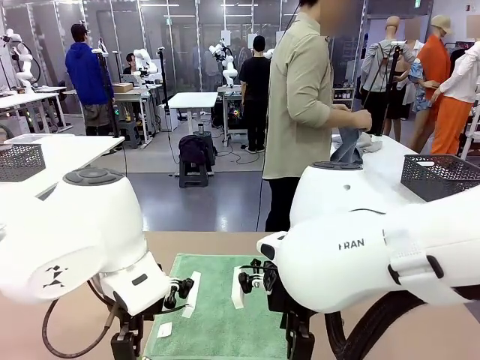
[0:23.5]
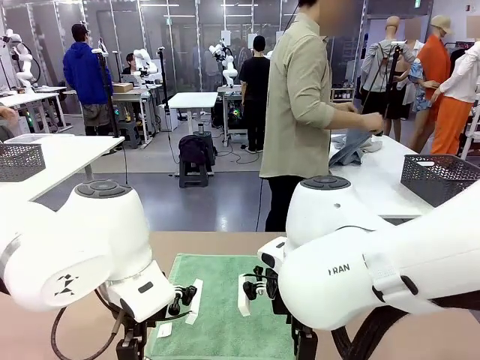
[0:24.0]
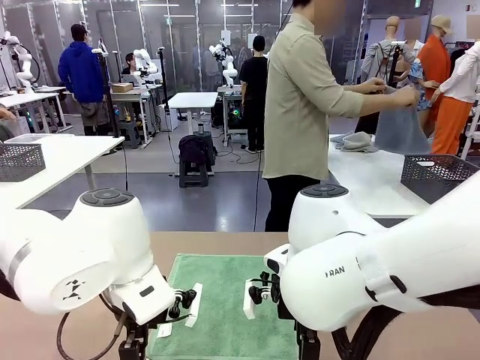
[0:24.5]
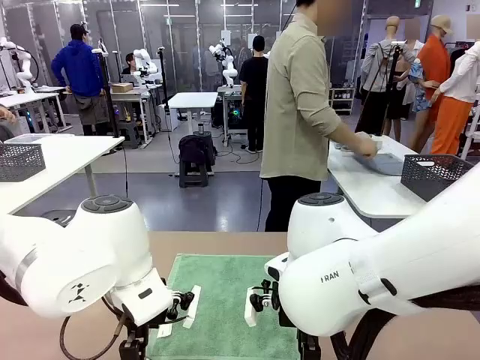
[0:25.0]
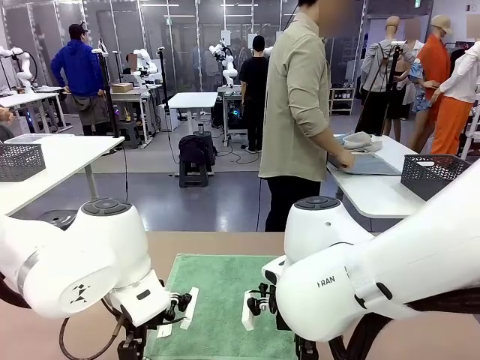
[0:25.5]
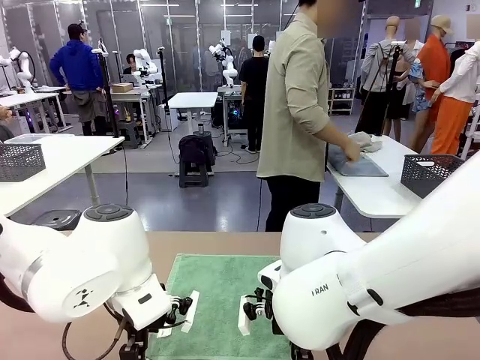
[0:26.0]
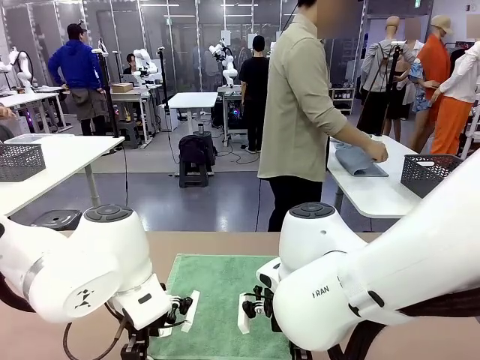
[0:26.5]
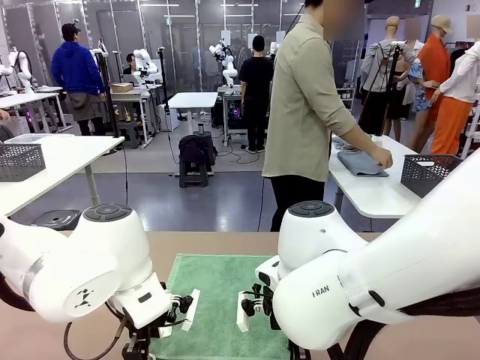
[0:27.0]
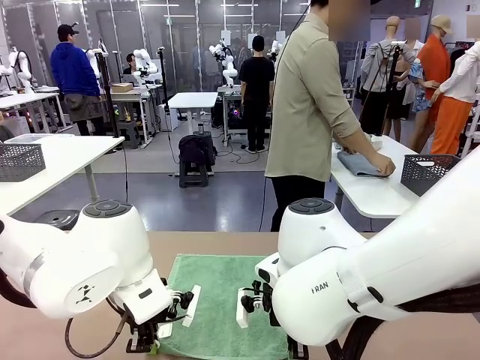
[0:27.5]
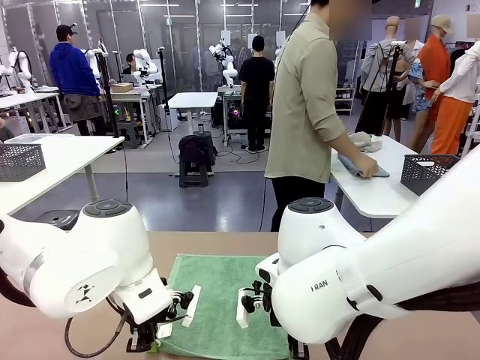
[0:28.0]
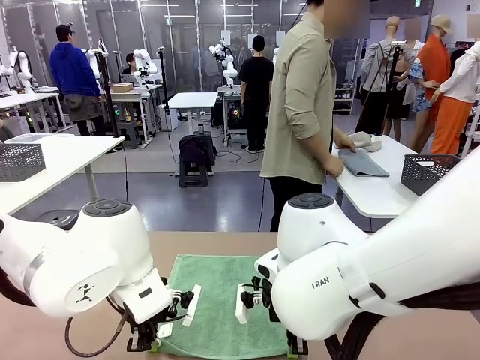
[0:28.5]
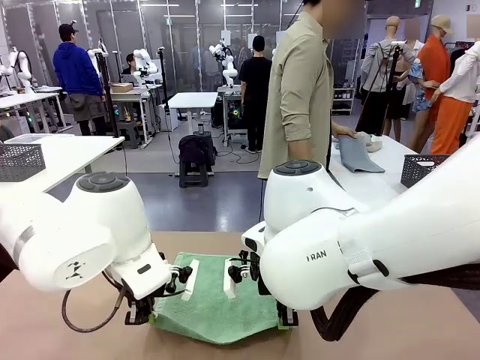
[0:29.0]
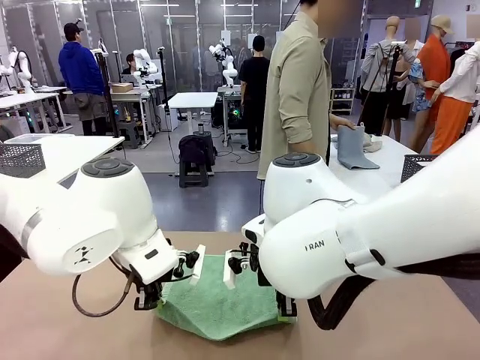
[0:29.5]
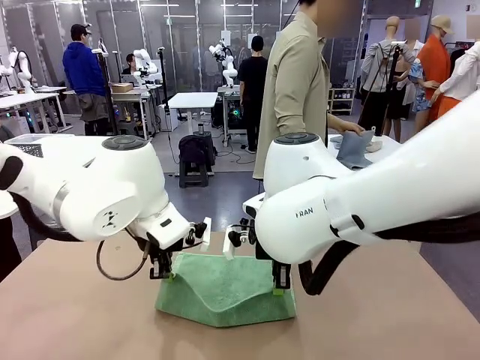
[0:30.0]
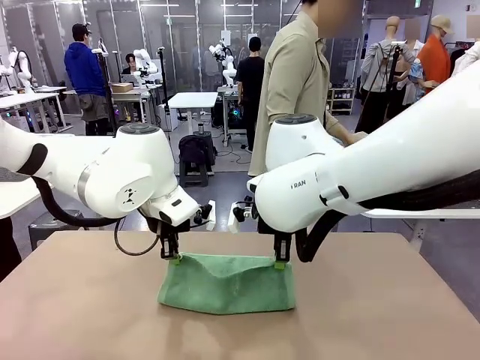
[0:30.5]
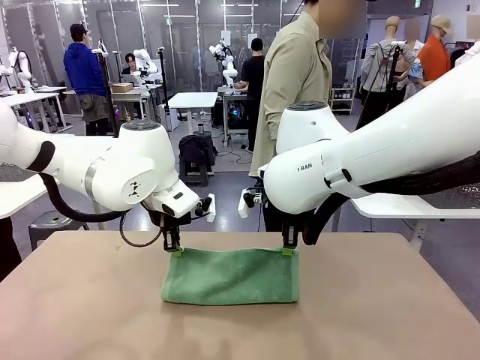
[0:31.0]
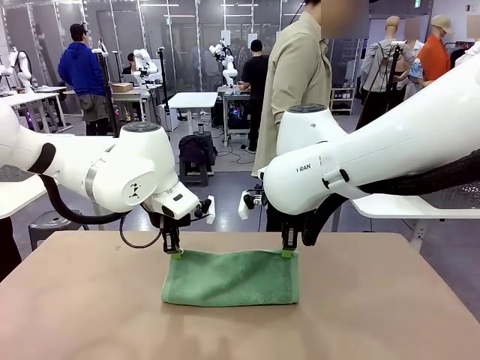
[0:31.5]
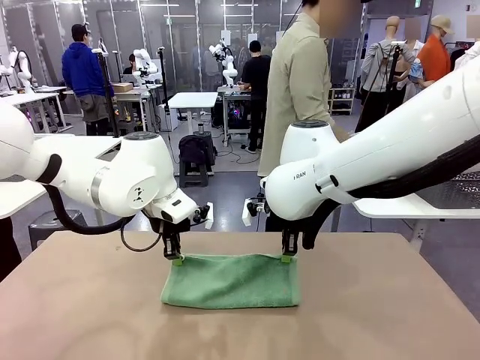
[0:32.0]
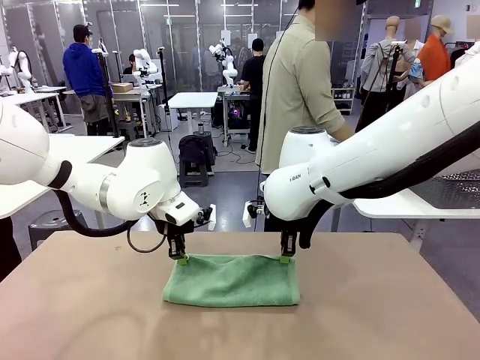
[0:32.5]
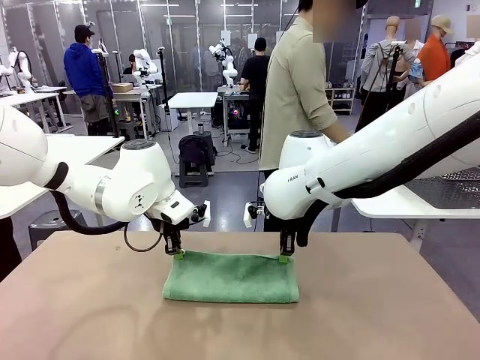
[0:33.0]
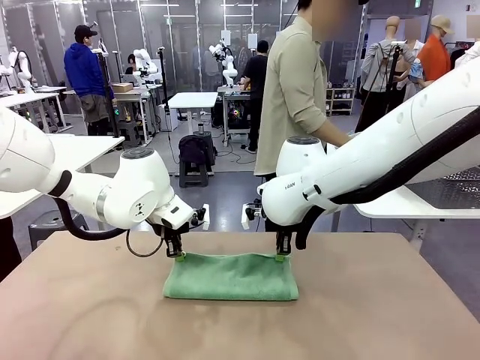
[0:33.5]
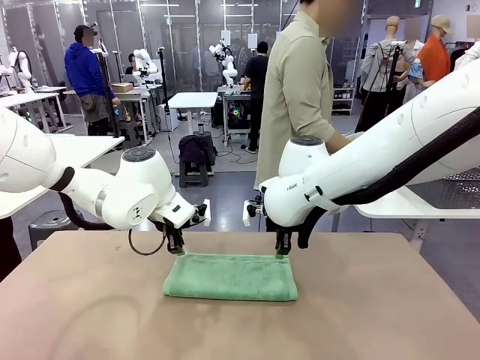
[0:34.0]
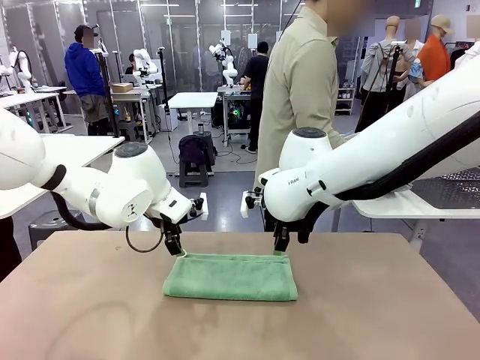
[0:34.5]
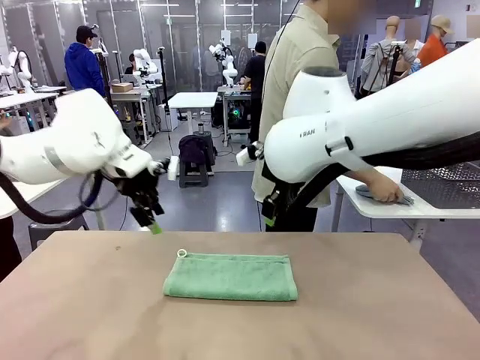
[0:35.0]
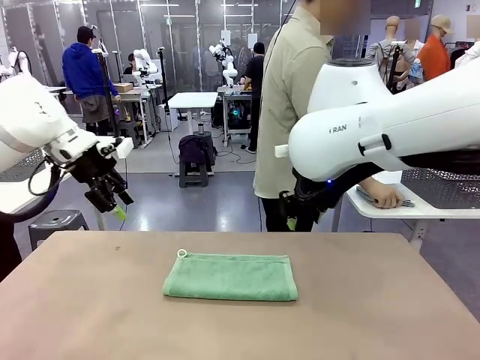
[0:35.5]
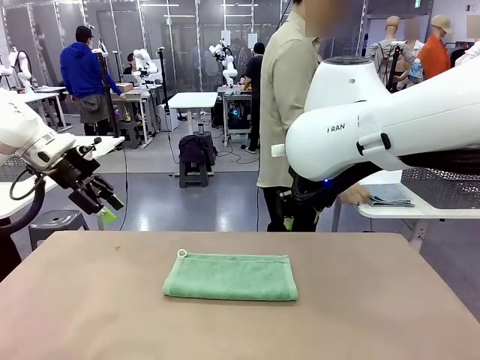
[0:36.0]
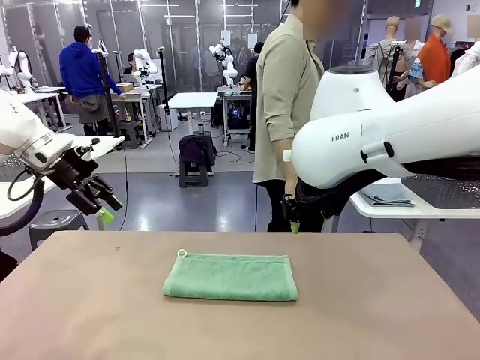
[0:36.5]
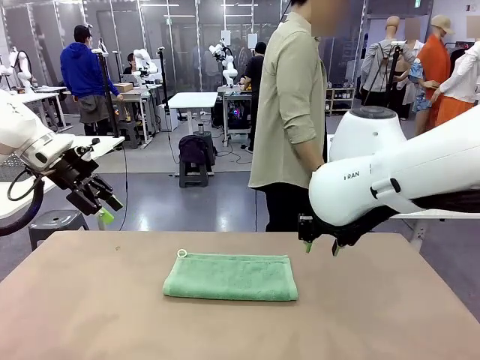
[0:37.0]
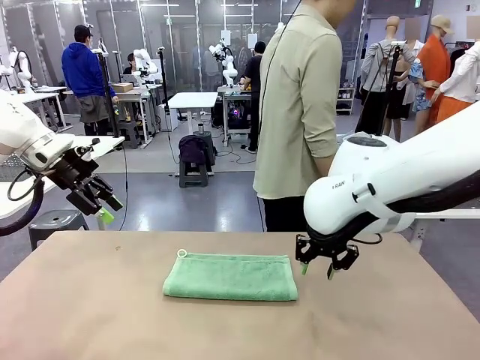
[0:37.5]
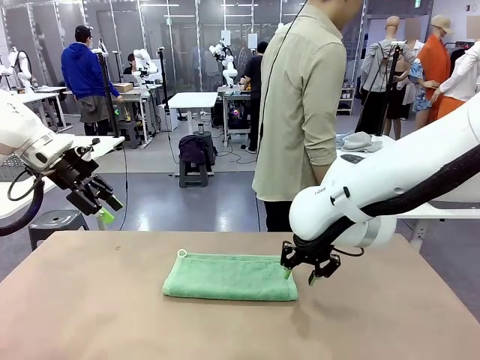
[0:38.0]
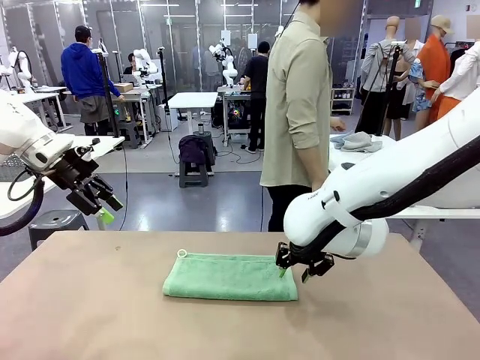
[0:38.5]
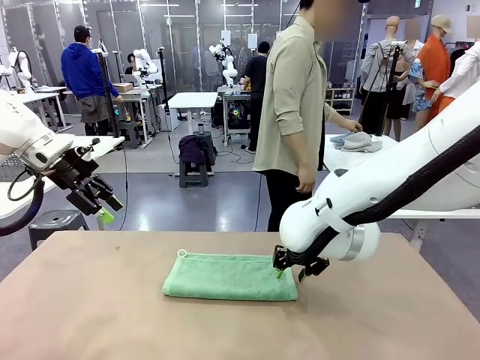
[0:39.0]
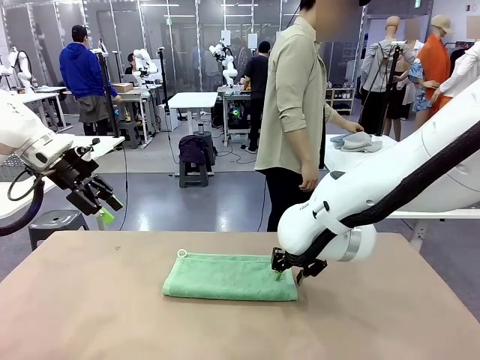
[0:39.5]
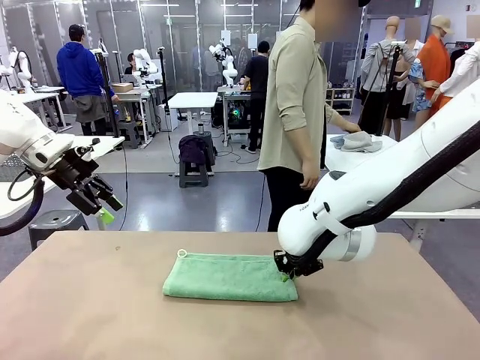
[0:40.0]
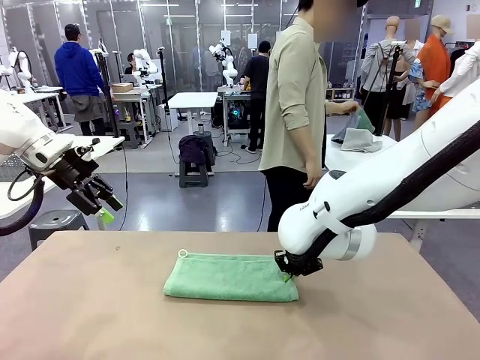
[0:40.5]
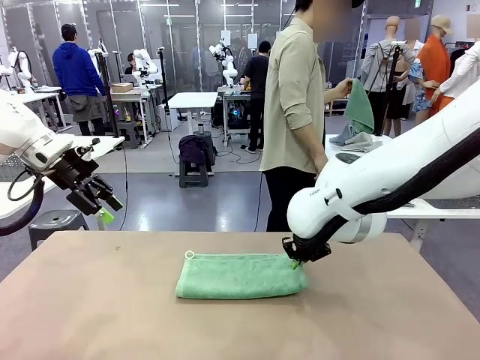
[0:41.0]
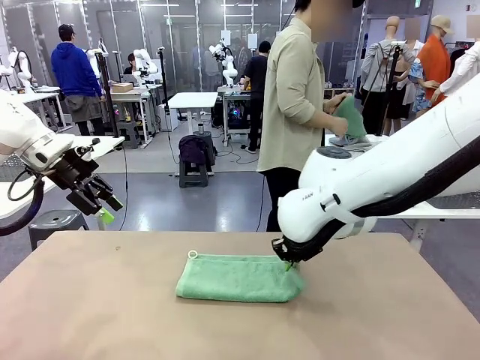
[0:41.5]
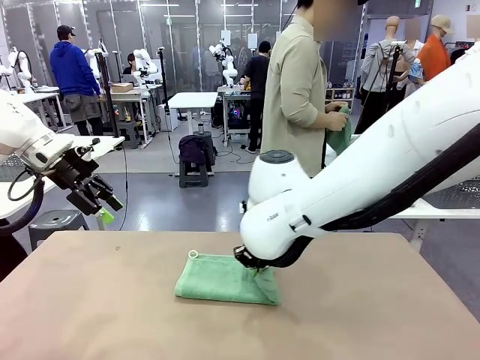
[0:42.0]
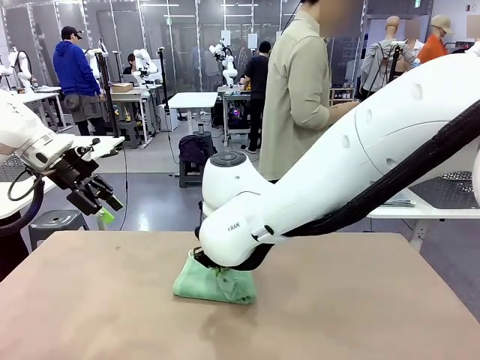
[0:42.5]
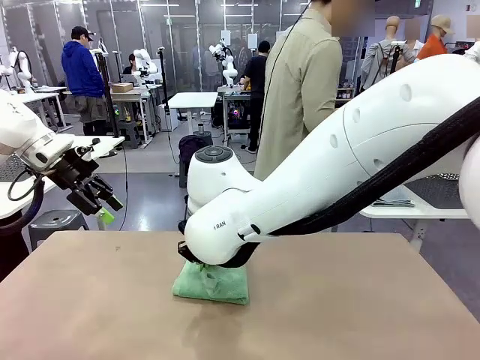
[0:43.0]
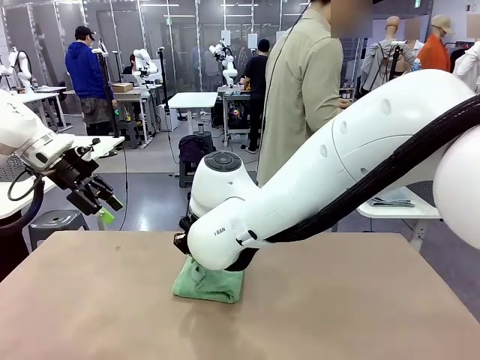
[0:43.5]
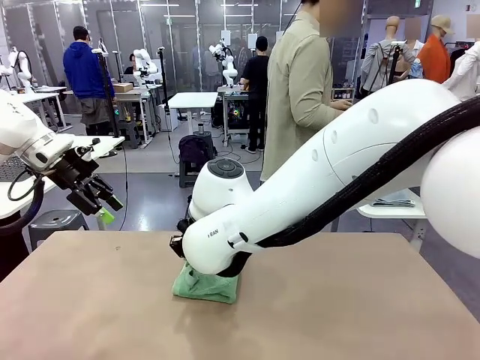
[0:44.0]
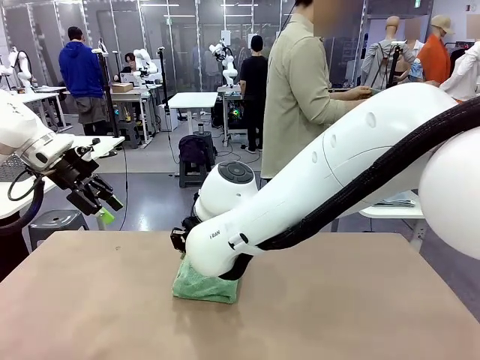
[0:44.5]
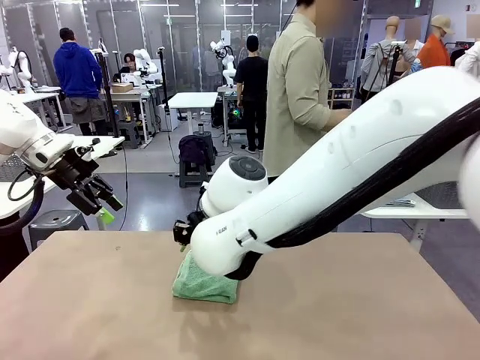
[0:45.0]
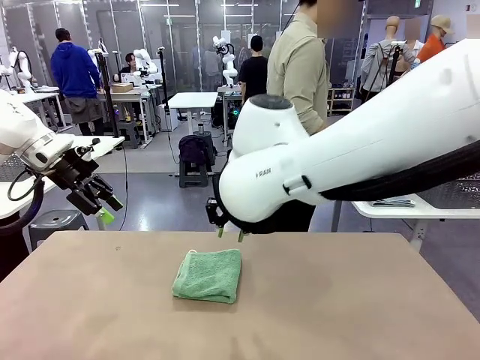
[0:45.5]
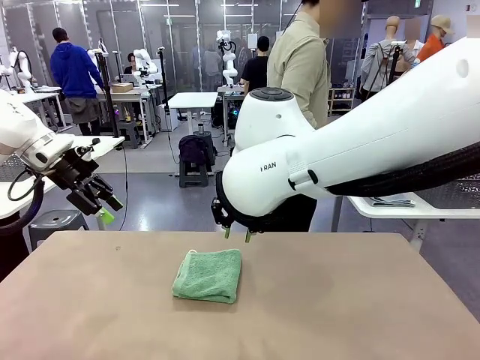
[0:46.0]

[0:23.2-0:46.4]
Task: Fold the towels and place them in the basket.
Robot: When a person lays out a Towel with hook on the table, fold it in half twice.
Person: Pick up one towel from the left side of the human table, fold it in half twice, and place it on the right side of the table.

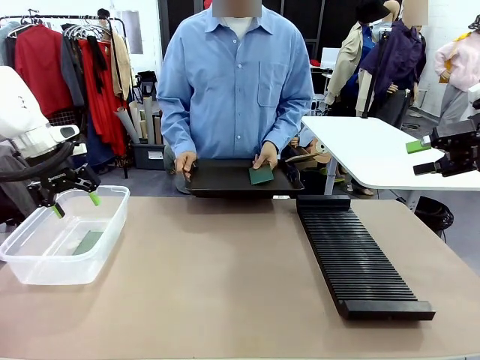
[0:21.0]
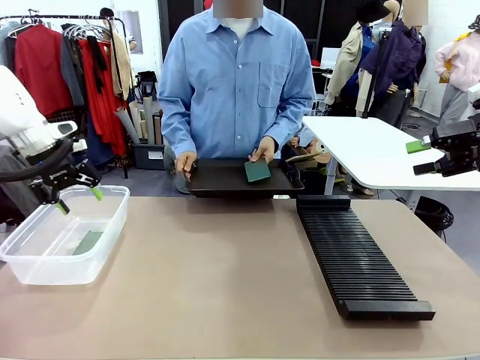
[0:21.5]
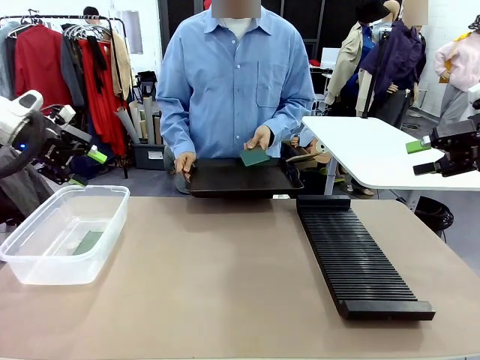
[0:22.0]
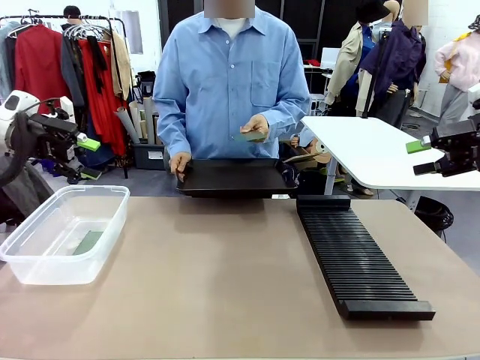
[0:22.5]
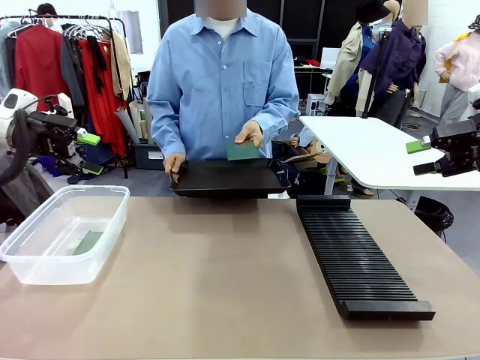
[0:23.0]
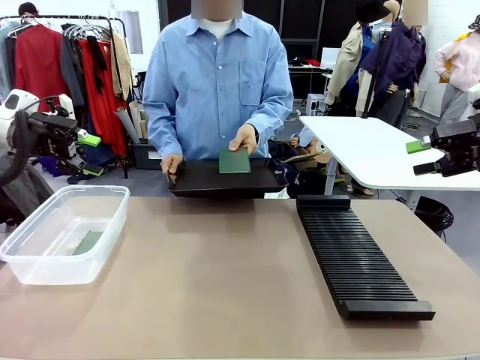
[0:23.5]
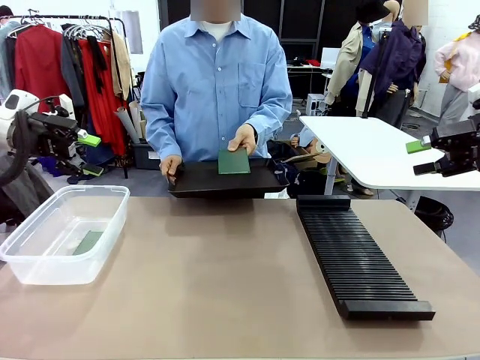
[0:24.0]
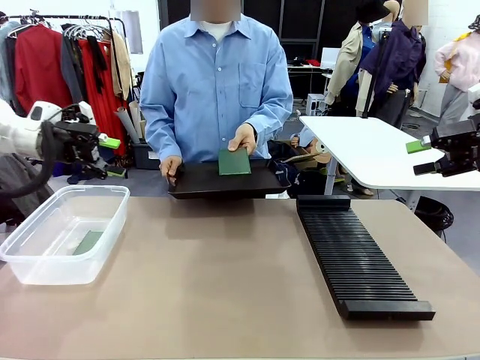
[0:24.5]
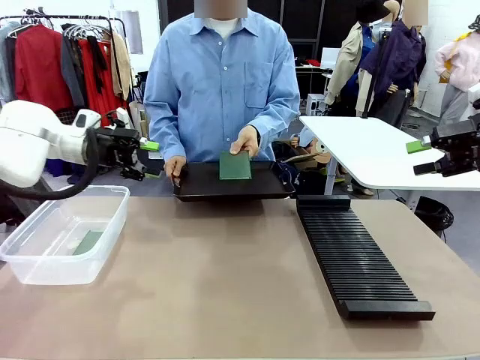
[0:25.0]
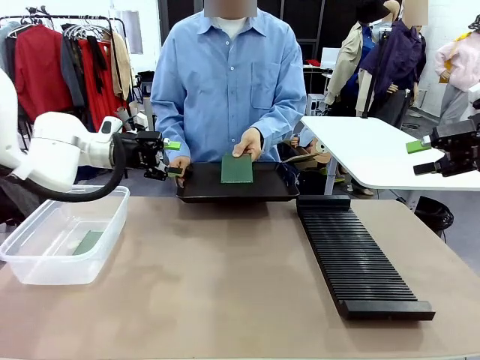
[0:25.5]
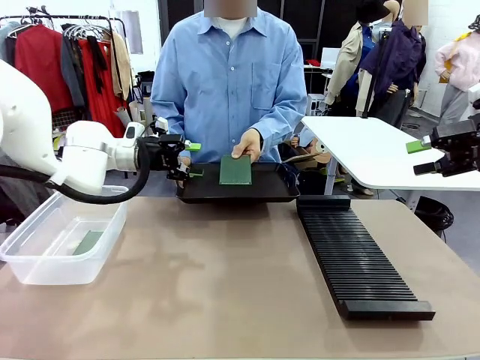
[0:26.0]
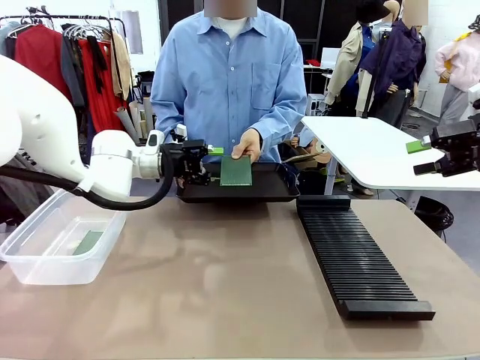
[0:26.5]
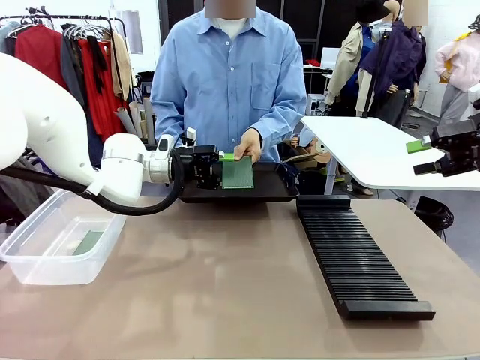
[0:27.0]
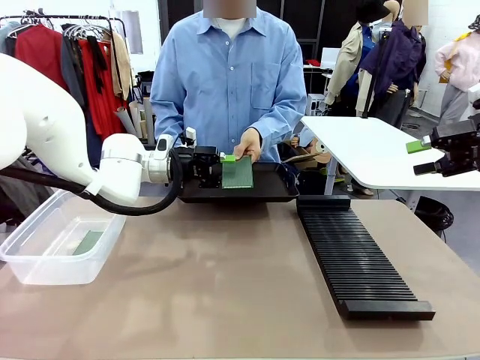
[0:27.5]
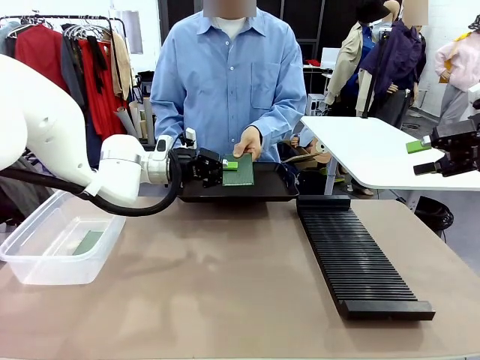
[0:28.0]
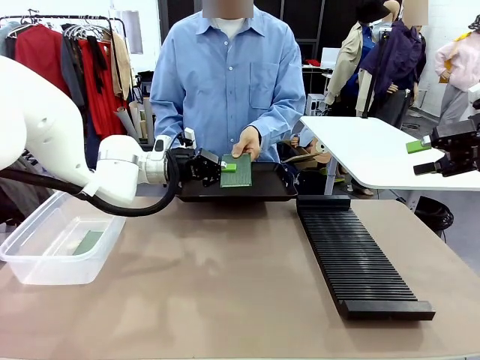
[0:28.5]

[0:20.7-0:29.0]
Task: Sort PCBs into racks and boxes based on the side picked up.
Robot: Pick up the Blank PCB handed by the Human.
